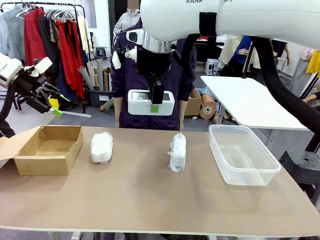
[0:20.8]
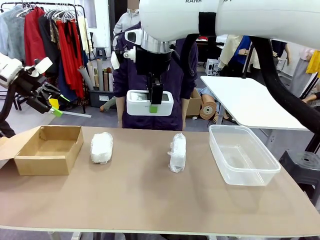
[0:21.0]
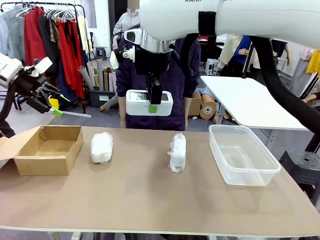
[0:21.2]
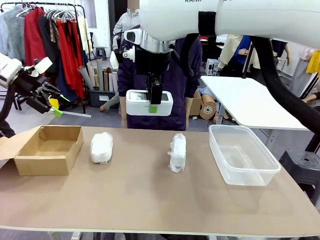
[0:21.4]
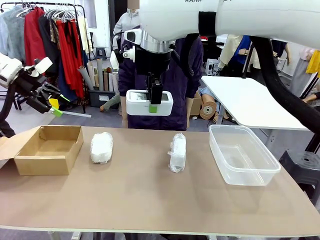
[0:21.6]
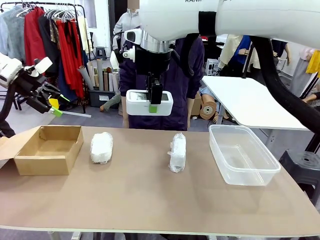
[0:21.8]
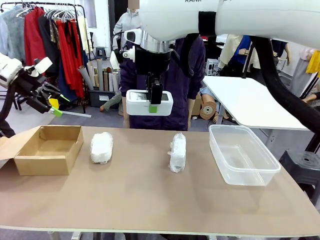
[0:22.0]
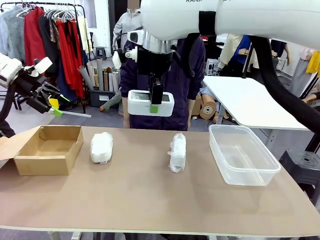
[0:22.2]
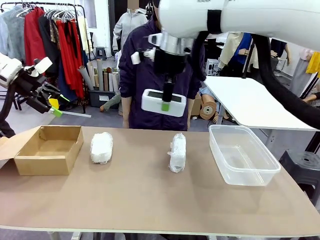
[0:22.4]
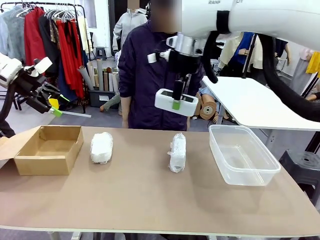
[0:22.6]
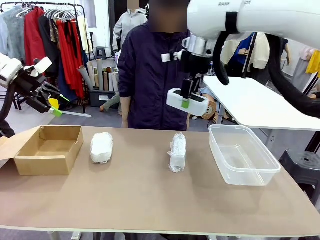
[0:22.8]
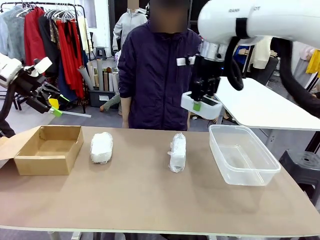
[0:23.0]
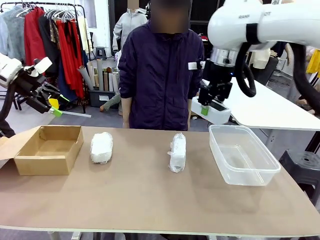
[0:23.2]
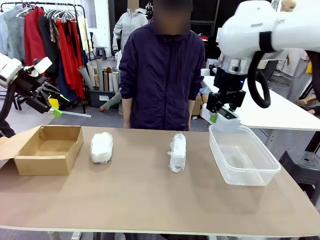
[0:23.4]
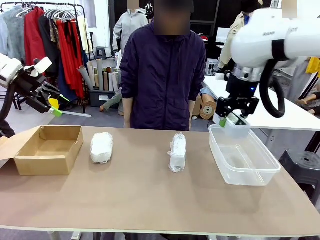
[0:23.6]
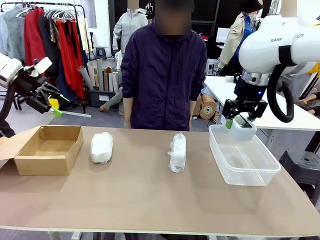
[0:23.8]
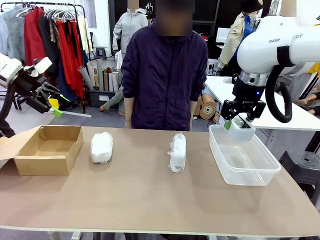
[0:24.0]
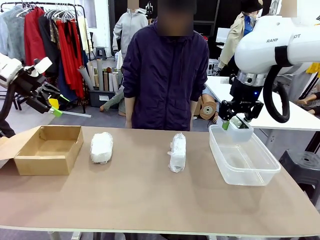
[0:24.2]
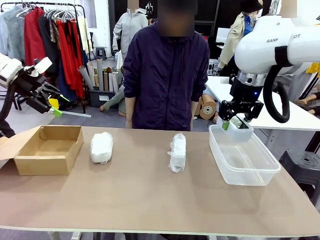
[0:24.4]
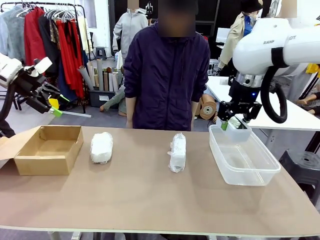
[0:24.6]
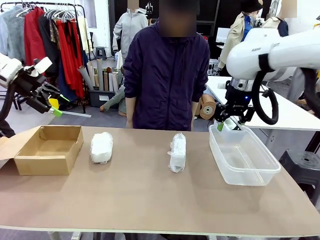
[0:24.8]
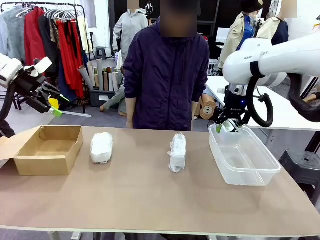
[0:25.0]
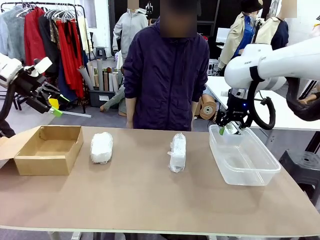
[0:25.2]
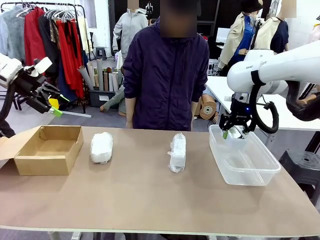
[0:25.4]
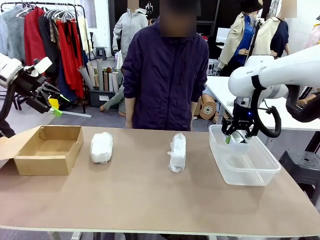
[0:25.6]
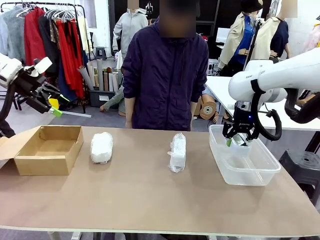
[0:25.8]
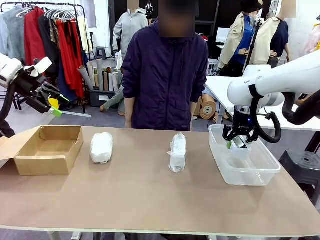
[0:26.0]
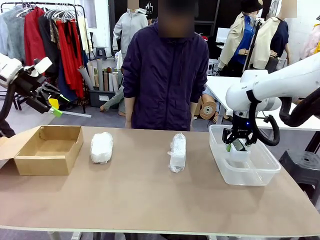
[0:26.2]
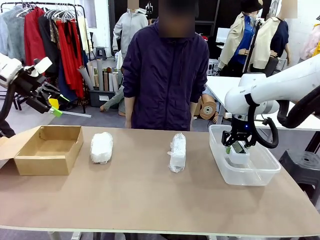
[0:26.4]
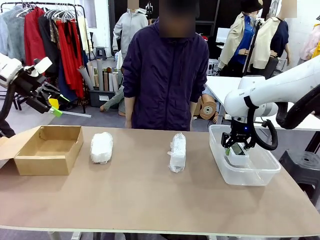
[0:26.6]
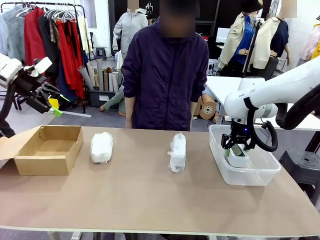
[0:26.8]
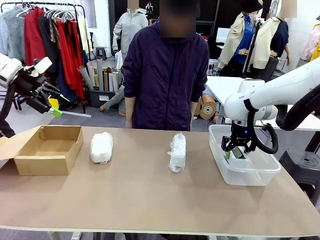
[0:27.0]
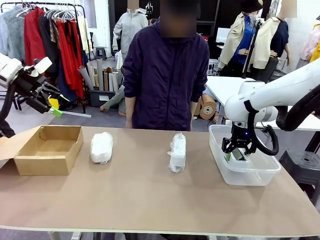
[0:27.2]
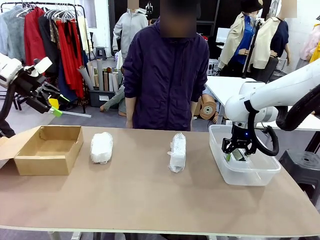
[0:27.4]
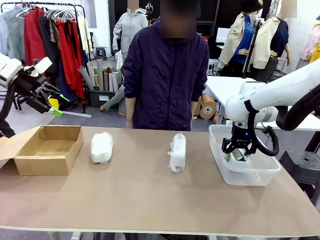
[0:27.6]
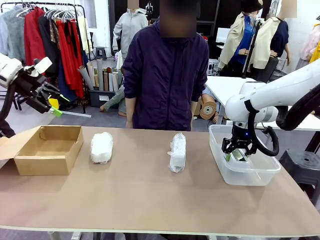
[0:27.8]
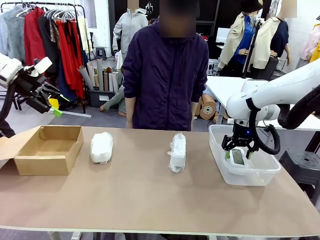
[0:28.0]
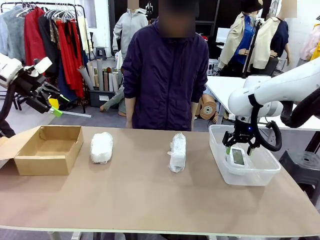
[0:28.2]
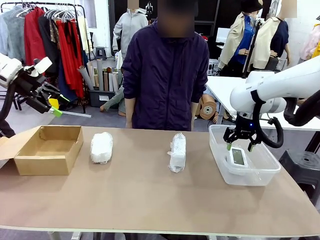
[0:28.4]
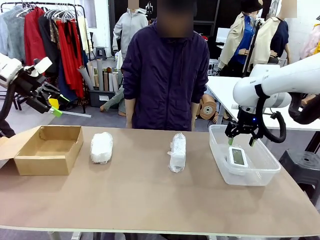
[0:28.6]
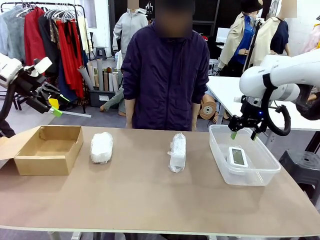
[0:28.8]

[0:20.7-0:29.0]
Task: Separate and place wrapped and unwrapped clocks.
Robot: If the picked Digital clock is wrapped, place it in the Package Box ; if not, place it in the Organizing box.

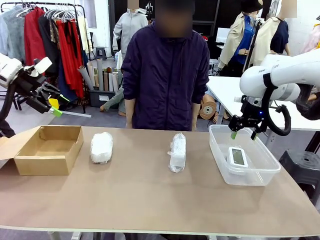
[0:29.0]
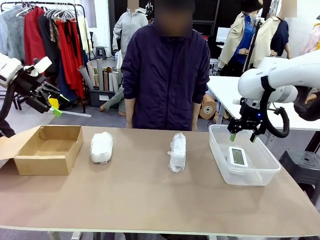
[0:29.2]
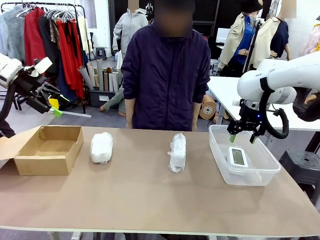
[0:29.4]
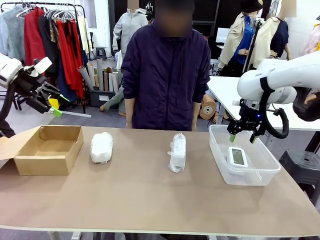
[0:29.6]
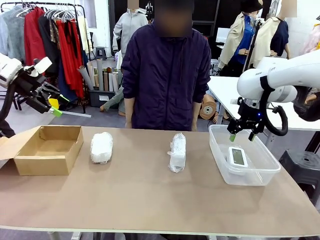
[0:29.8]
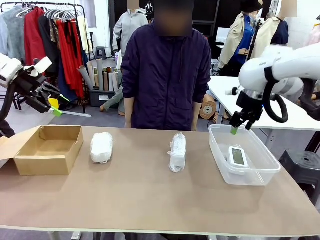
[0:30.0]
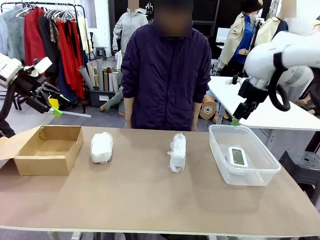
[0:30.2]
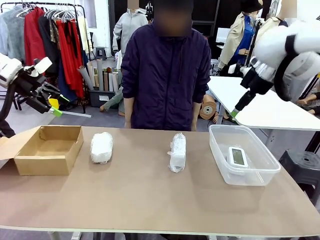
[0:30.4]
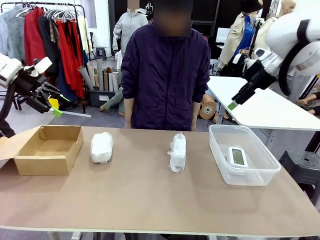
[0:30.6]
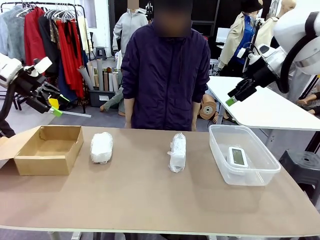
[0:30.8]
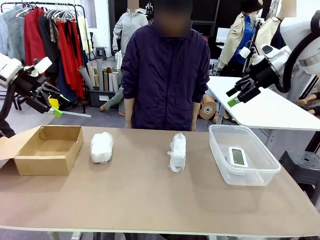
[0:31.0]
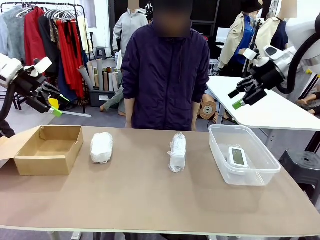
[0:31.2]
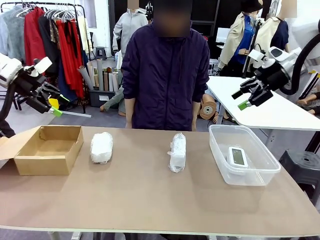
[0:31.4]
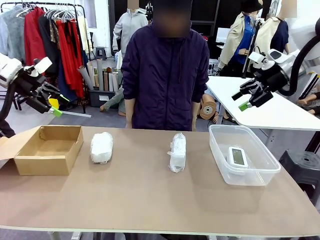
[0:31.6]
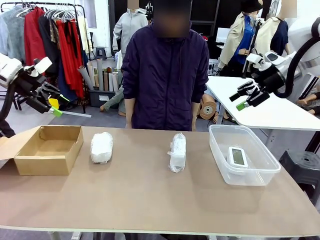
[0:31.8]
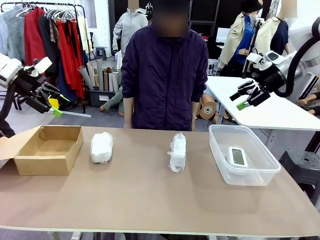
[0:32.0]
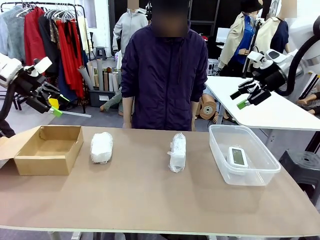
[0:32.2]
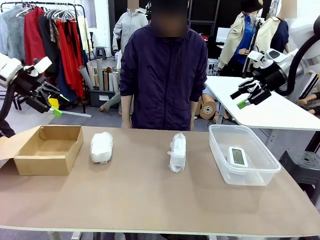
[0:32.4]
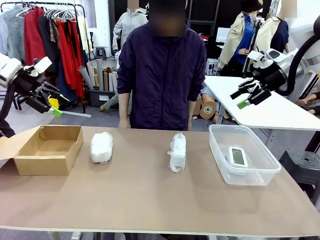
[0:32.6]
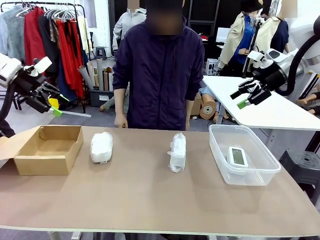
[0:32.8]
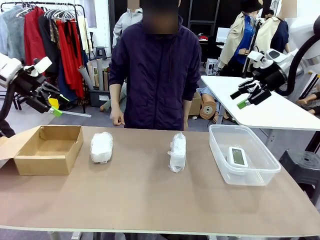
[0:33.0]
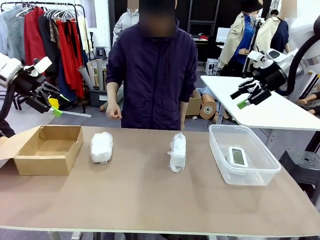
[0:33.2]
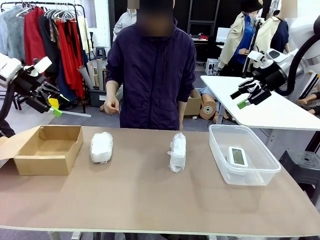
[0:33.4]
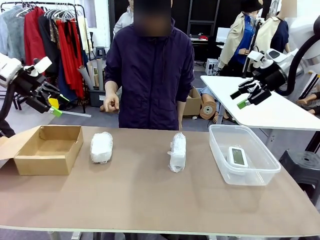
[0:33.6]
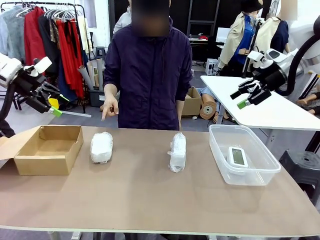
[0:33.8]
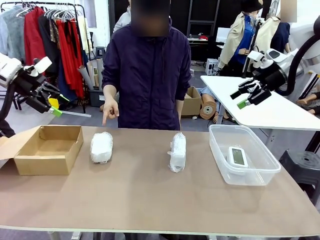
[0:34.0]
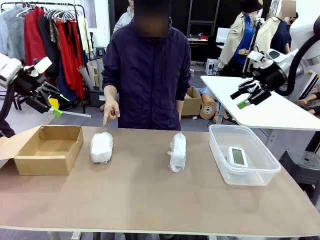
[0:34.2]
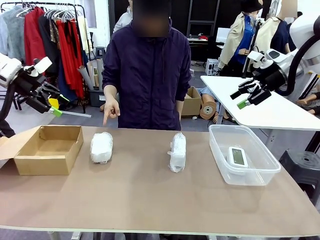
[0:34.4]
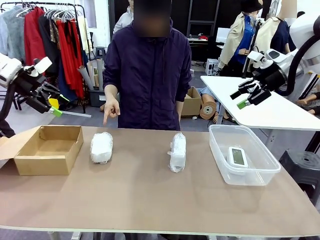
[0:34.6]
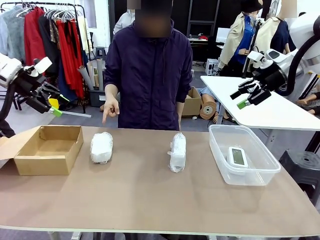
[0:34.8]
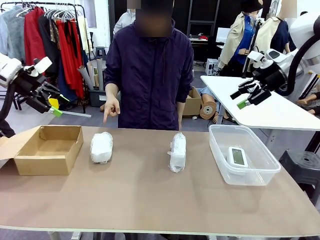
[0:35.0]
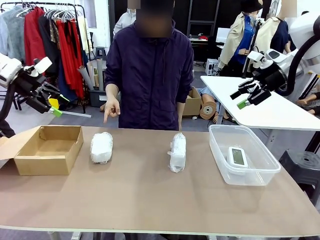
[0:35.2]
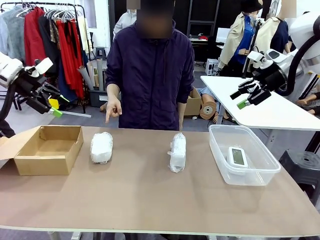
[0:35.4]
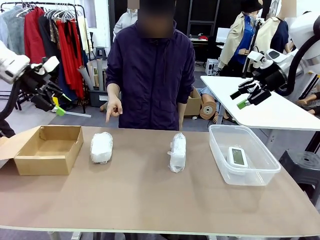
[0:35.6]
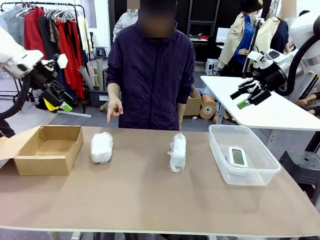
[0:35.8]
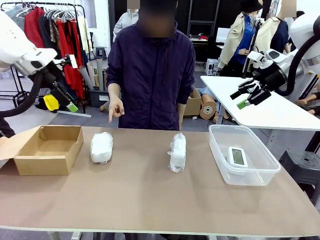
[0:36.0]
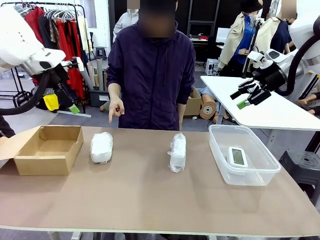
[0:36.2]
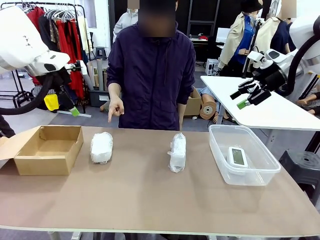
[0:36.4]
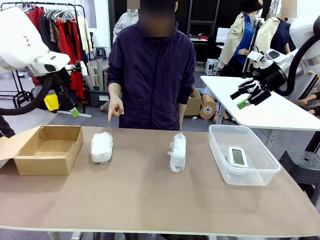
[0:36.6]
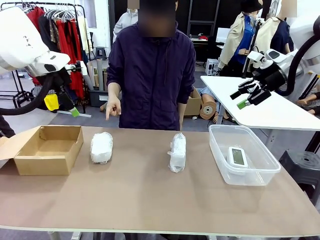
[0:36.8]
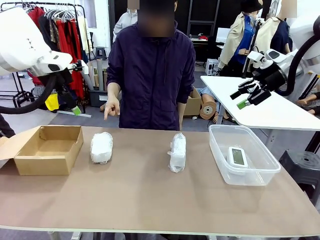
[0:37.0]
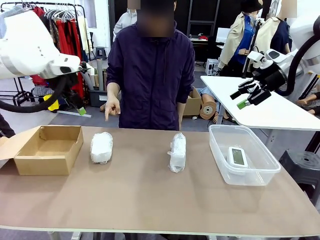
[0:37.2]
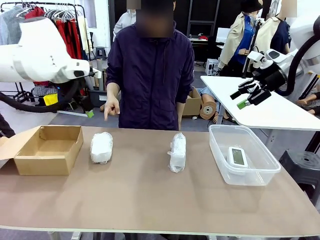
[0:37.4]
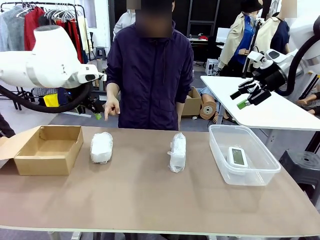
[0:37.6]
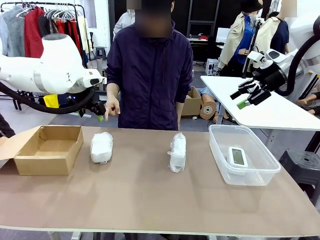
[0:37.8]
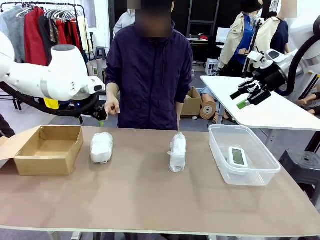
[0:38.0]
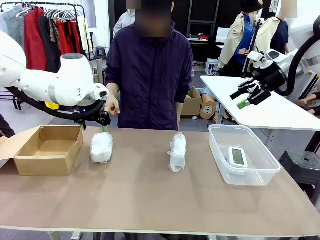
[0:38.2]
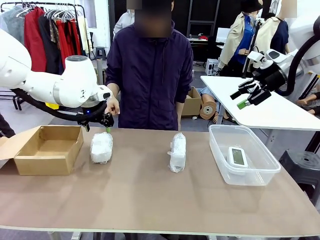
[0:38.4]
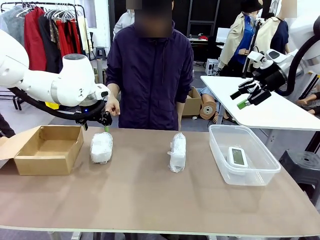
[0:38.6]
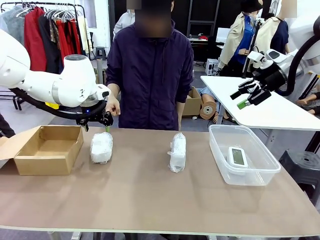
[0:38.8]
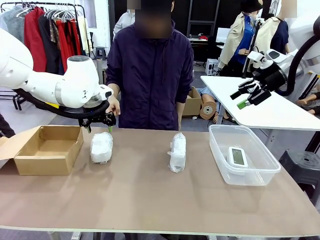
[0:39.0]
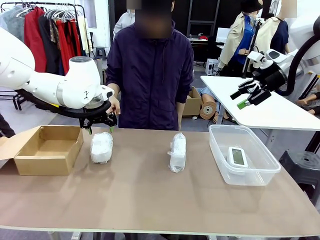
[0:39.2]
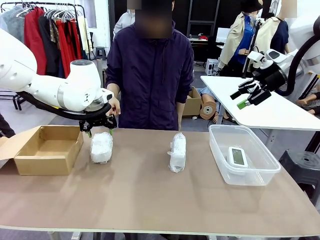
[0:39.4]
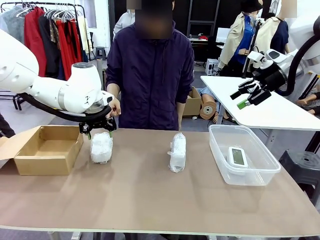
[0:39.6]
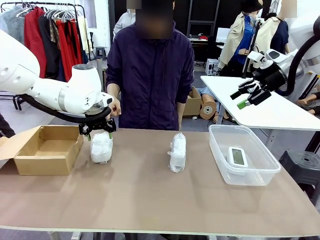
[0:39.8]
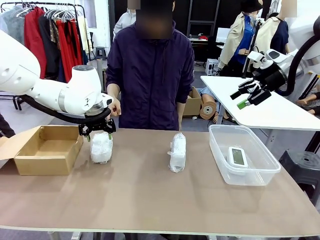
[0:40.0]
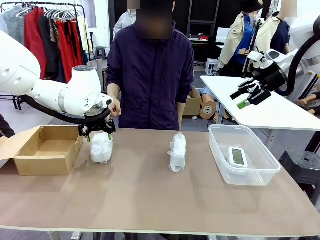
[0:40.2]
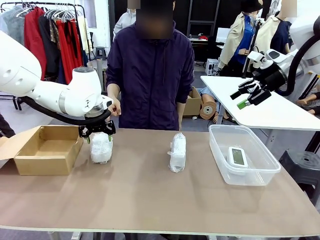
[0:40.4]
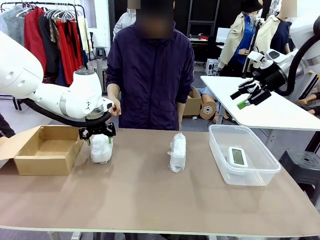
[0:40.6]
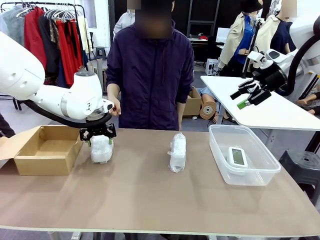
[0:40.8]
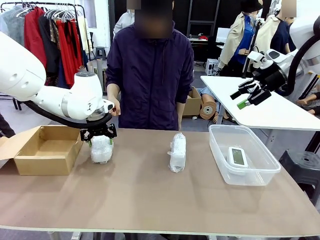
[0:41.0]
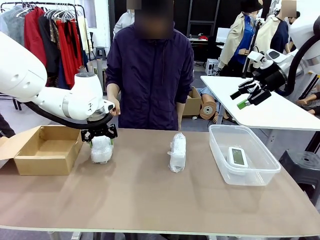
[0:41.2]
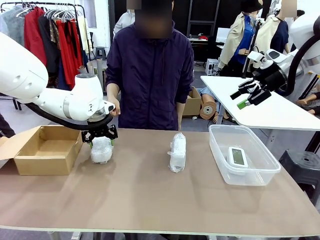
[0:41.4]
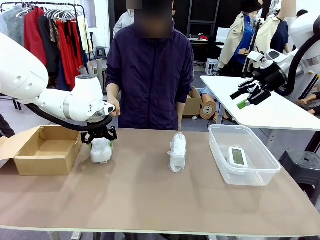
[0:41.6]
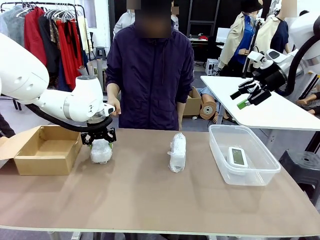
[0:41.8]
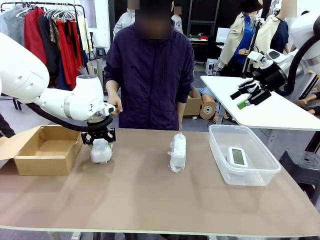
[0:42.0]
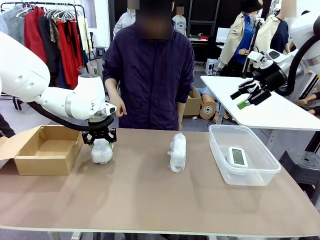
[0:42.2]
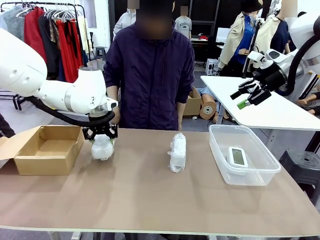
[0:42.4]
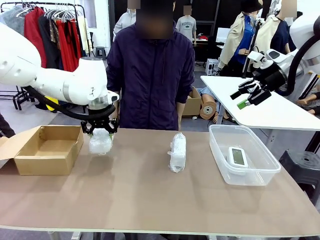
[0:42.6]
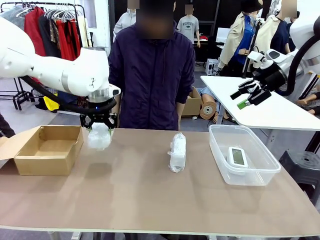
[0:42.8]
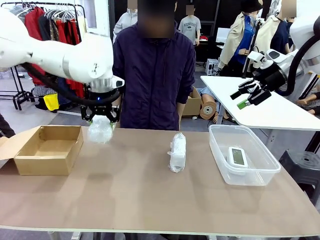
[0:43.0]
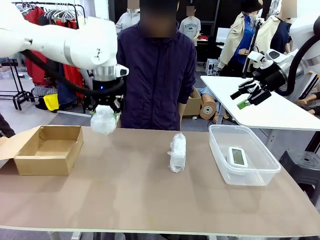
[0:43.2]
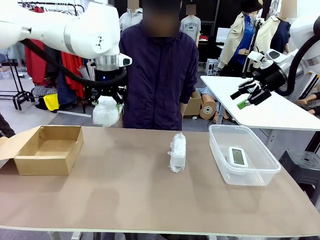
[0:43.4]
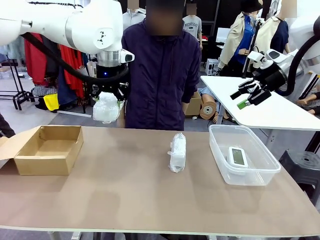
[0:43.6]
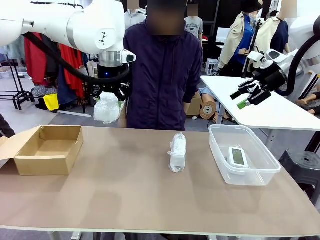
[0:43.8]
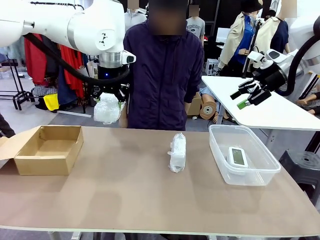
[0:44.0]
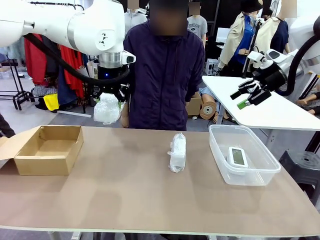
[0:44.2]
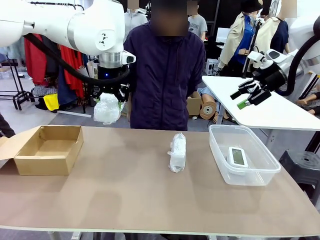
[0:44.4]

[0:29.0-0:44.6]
Robot: Pick up the Digital clock indicated by the person.
